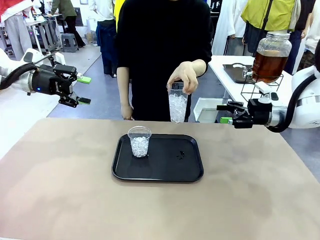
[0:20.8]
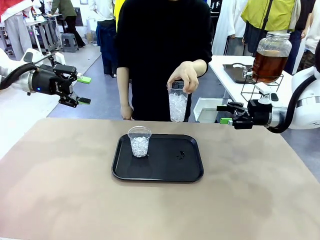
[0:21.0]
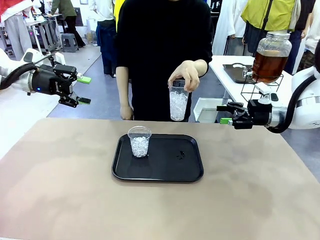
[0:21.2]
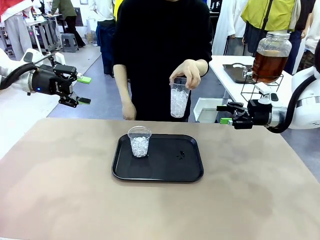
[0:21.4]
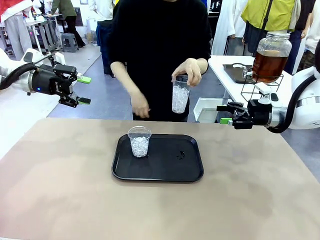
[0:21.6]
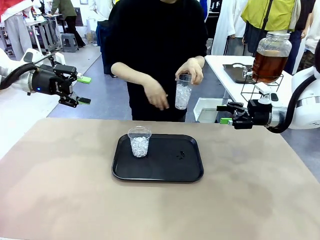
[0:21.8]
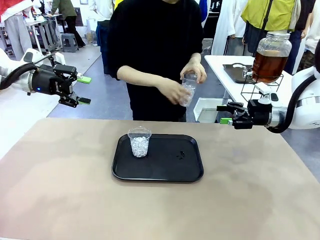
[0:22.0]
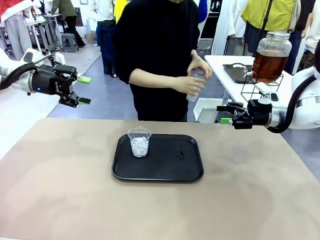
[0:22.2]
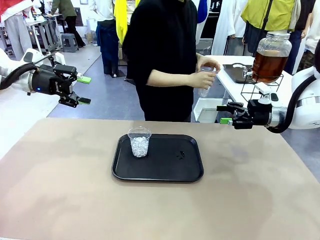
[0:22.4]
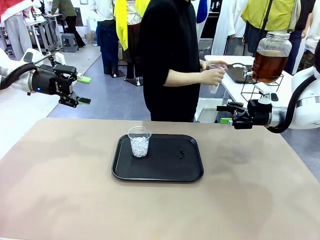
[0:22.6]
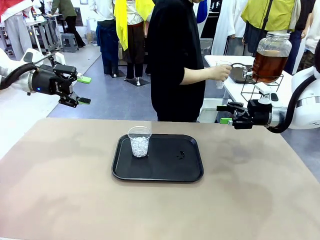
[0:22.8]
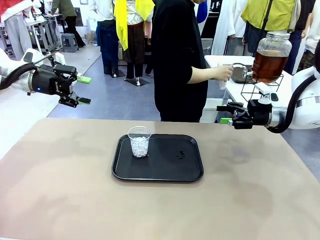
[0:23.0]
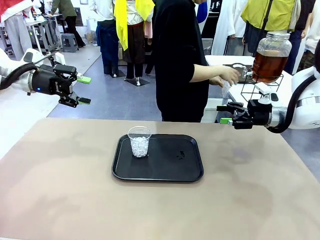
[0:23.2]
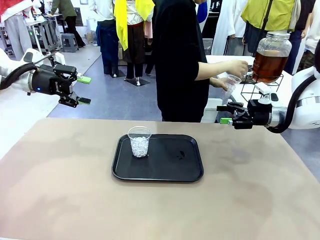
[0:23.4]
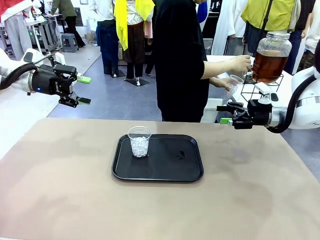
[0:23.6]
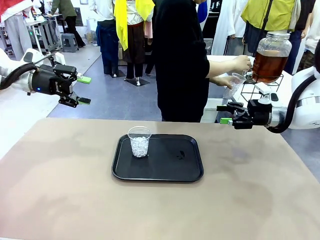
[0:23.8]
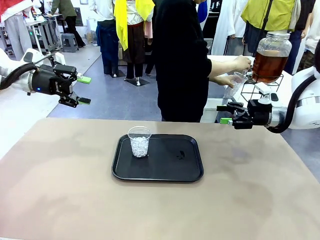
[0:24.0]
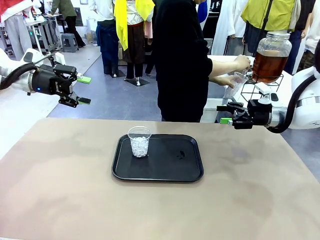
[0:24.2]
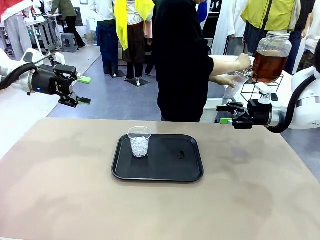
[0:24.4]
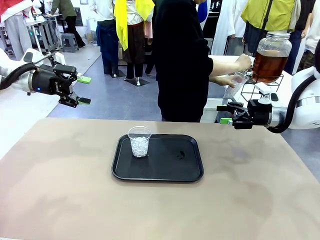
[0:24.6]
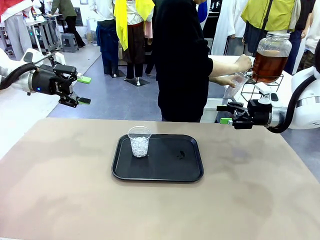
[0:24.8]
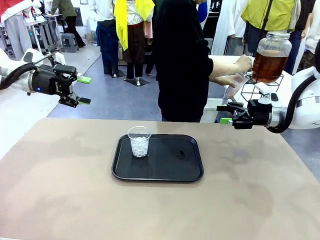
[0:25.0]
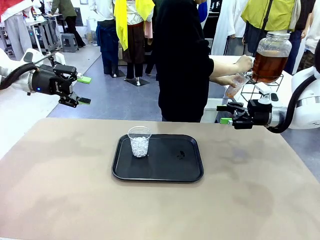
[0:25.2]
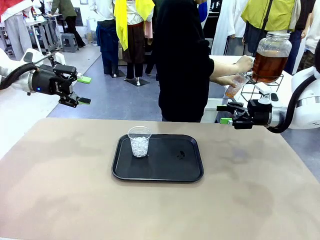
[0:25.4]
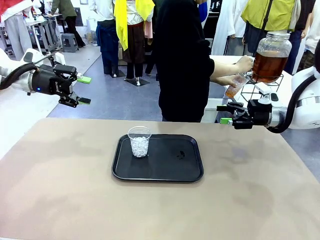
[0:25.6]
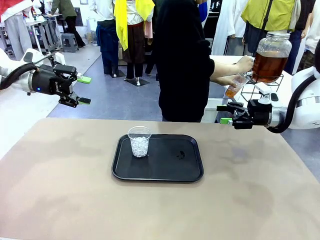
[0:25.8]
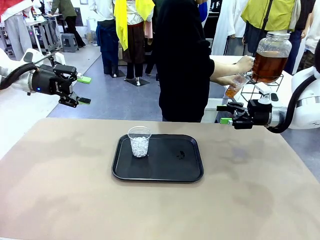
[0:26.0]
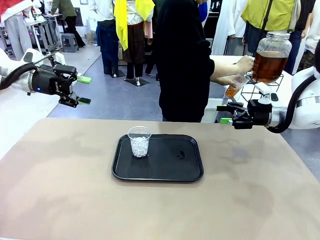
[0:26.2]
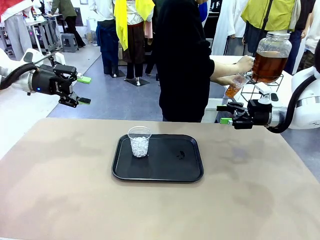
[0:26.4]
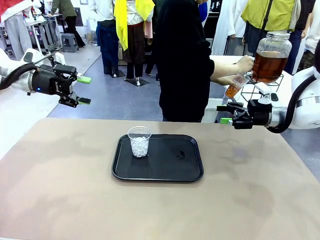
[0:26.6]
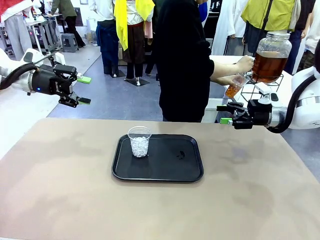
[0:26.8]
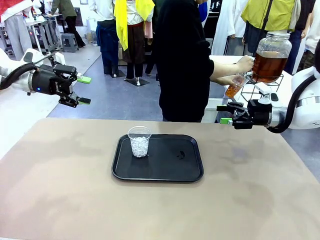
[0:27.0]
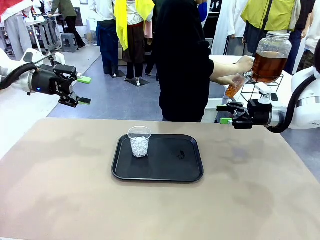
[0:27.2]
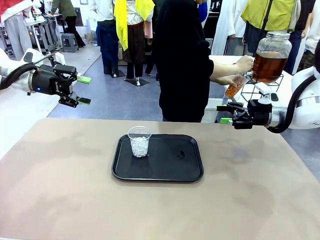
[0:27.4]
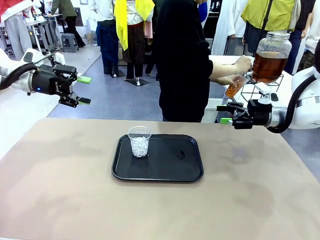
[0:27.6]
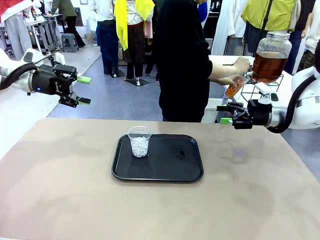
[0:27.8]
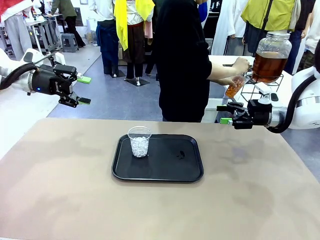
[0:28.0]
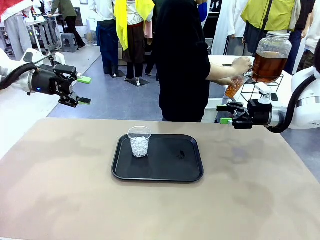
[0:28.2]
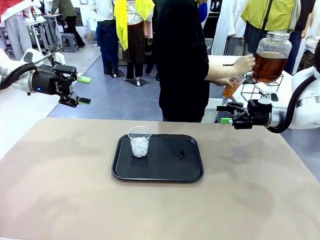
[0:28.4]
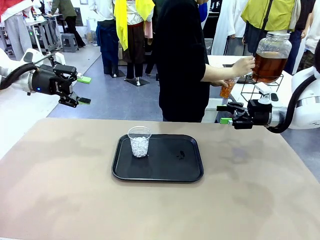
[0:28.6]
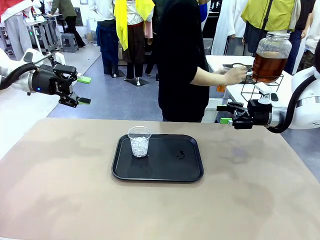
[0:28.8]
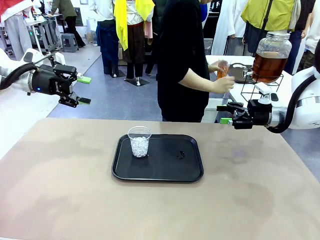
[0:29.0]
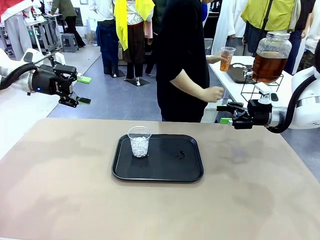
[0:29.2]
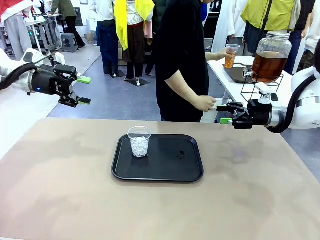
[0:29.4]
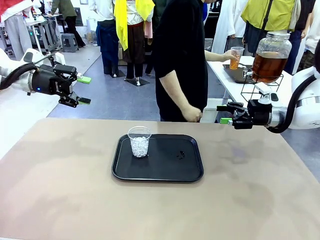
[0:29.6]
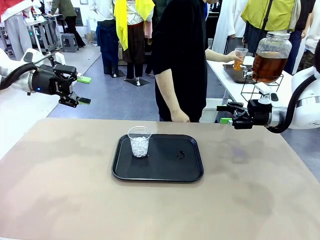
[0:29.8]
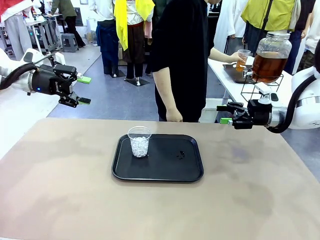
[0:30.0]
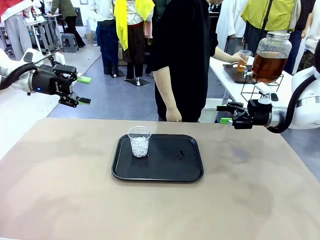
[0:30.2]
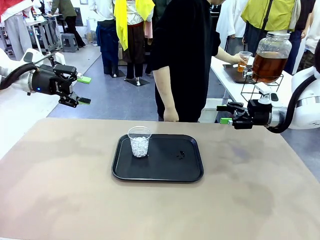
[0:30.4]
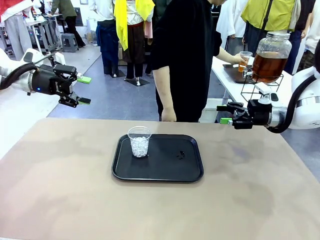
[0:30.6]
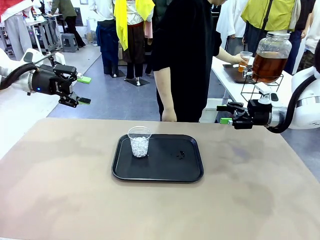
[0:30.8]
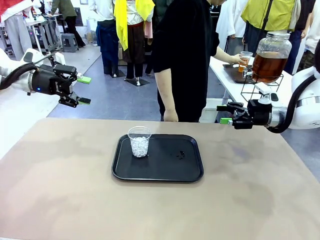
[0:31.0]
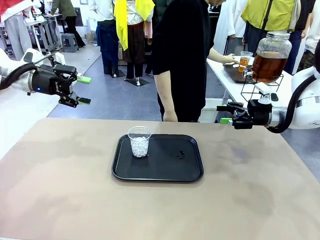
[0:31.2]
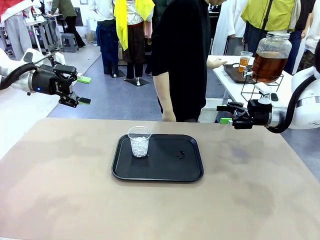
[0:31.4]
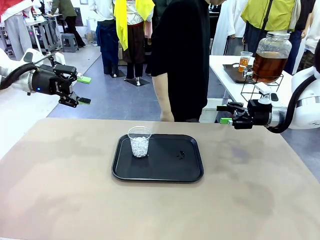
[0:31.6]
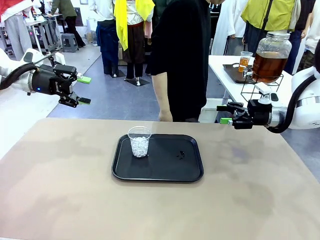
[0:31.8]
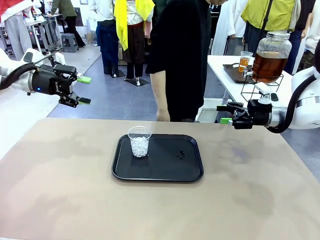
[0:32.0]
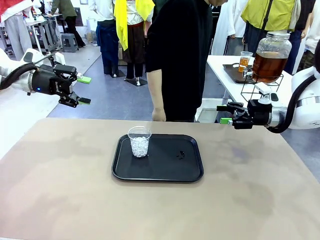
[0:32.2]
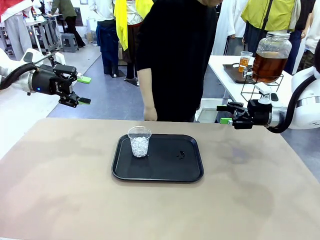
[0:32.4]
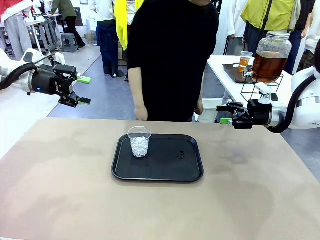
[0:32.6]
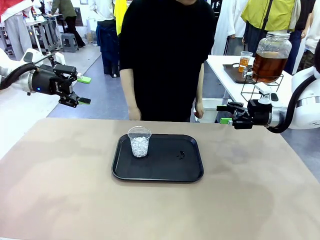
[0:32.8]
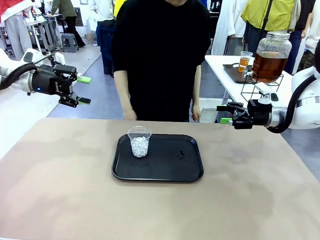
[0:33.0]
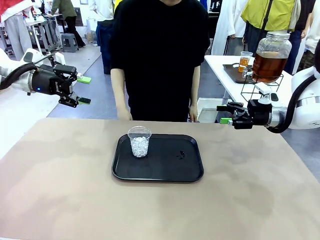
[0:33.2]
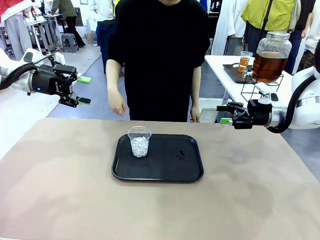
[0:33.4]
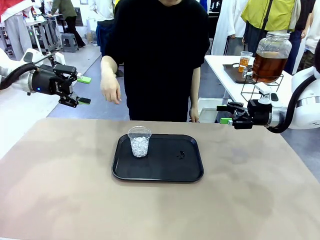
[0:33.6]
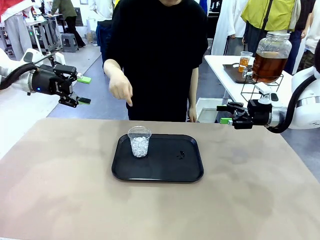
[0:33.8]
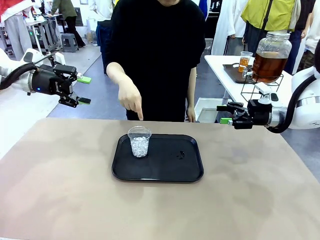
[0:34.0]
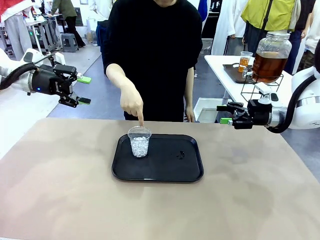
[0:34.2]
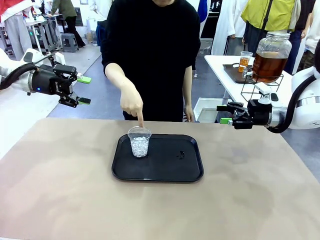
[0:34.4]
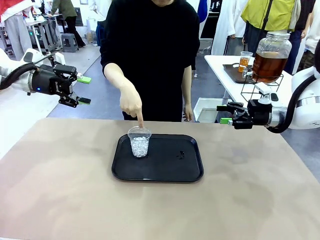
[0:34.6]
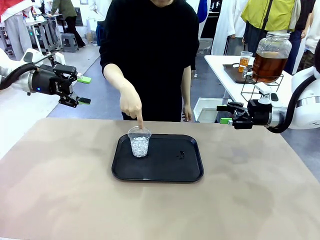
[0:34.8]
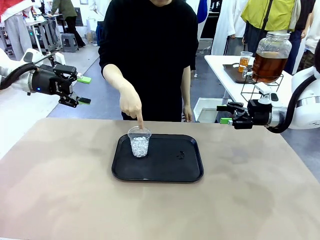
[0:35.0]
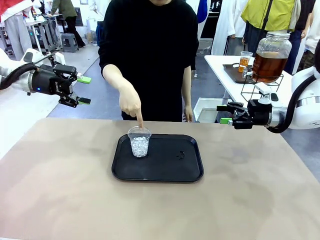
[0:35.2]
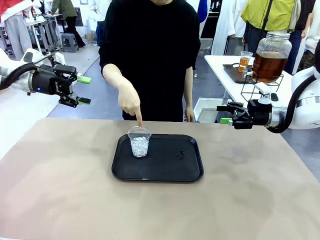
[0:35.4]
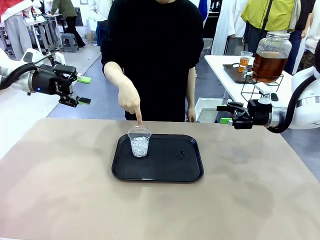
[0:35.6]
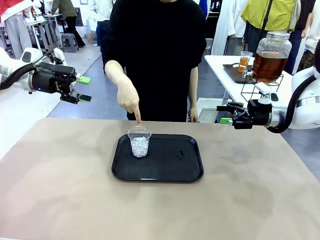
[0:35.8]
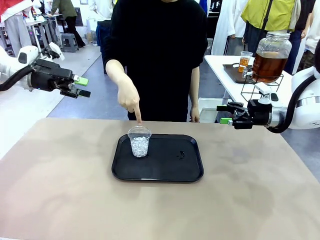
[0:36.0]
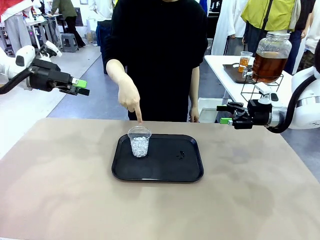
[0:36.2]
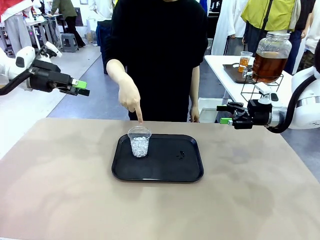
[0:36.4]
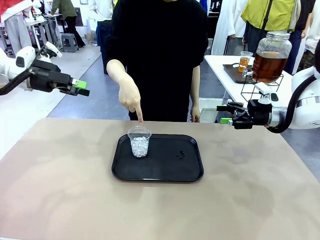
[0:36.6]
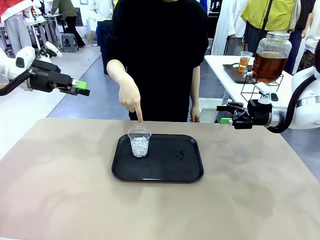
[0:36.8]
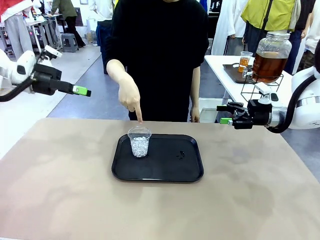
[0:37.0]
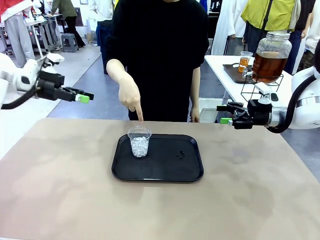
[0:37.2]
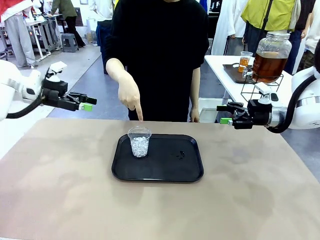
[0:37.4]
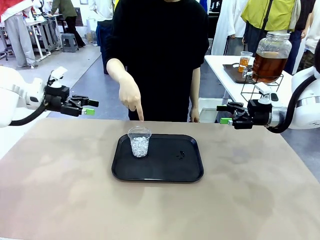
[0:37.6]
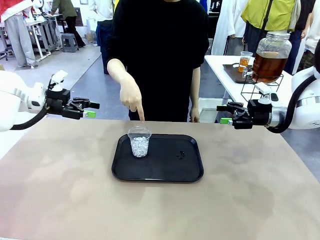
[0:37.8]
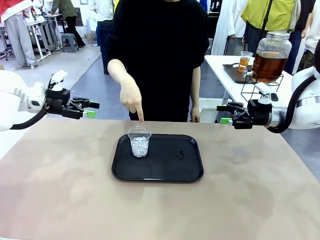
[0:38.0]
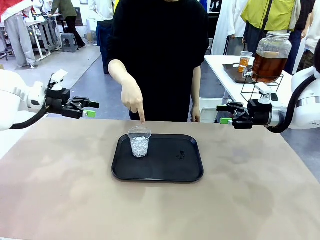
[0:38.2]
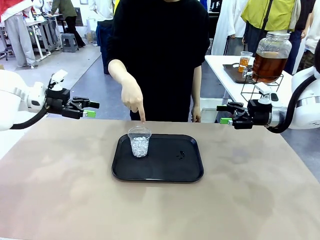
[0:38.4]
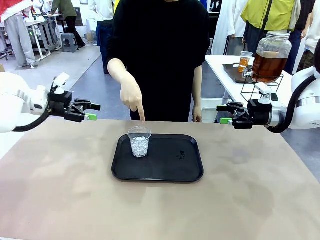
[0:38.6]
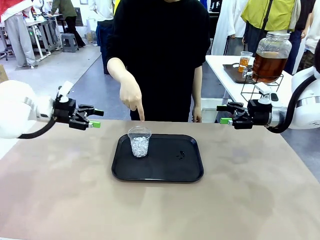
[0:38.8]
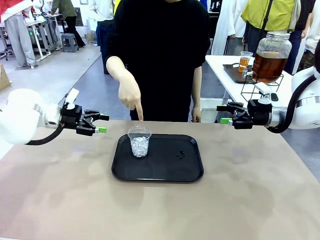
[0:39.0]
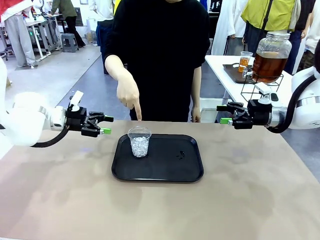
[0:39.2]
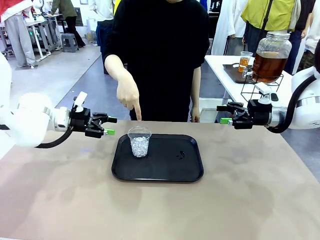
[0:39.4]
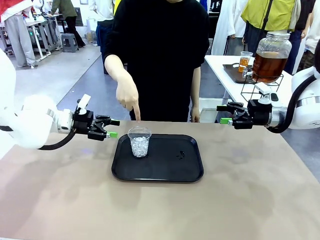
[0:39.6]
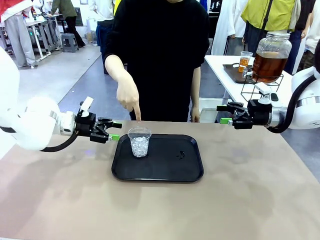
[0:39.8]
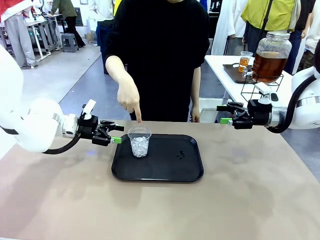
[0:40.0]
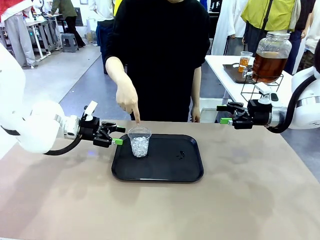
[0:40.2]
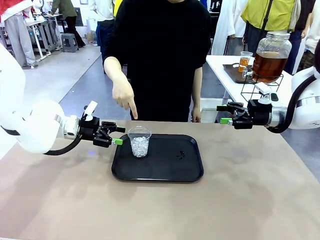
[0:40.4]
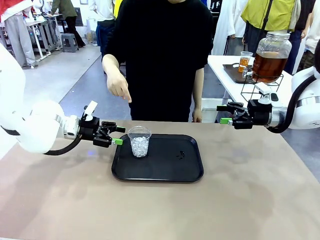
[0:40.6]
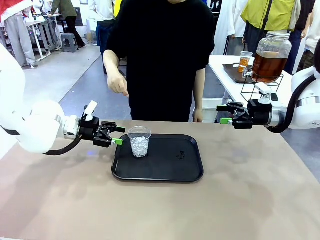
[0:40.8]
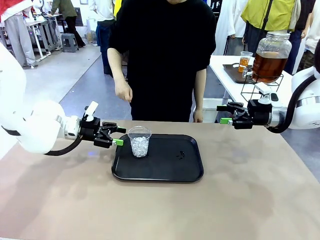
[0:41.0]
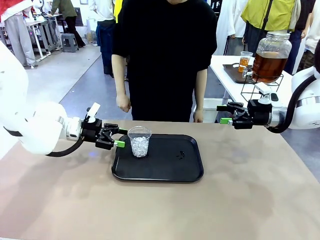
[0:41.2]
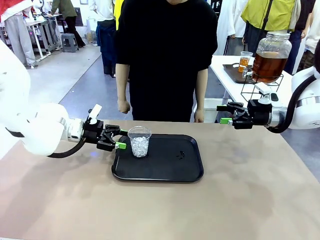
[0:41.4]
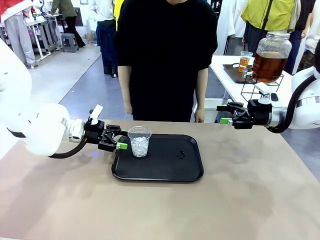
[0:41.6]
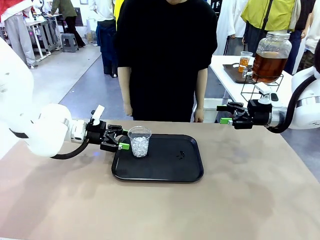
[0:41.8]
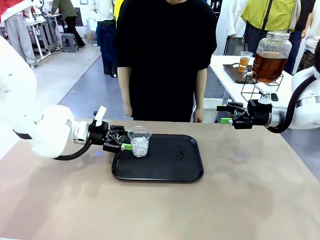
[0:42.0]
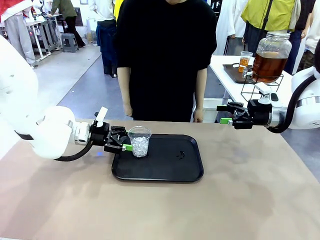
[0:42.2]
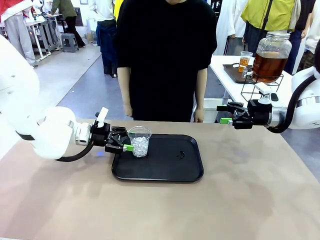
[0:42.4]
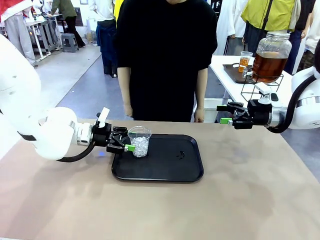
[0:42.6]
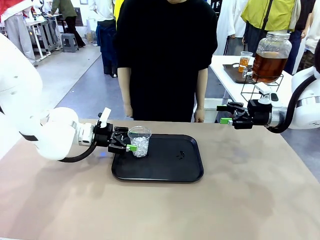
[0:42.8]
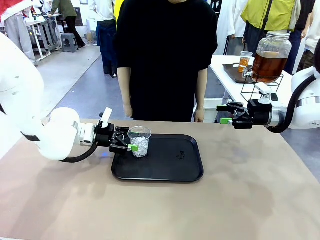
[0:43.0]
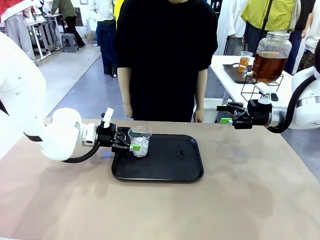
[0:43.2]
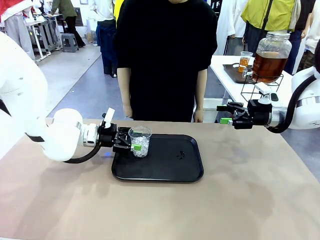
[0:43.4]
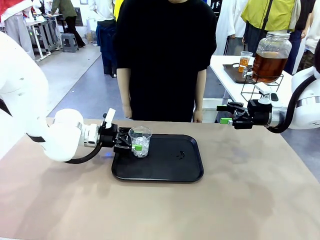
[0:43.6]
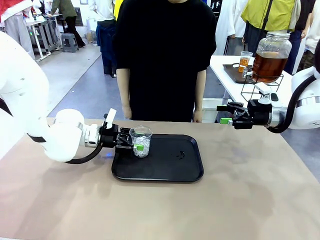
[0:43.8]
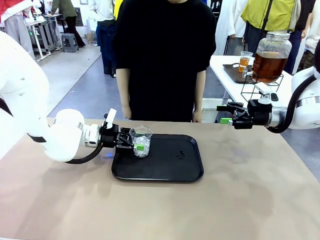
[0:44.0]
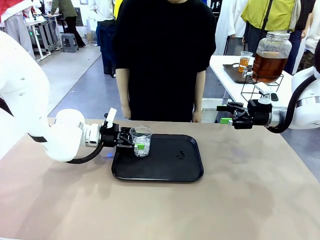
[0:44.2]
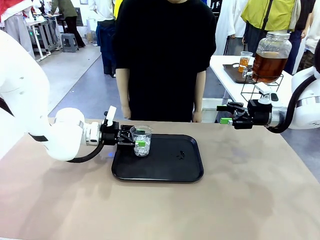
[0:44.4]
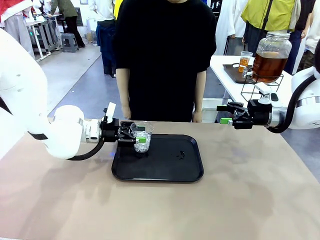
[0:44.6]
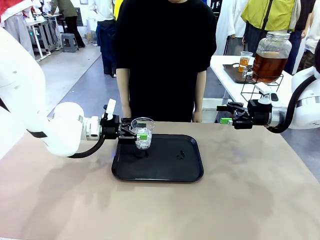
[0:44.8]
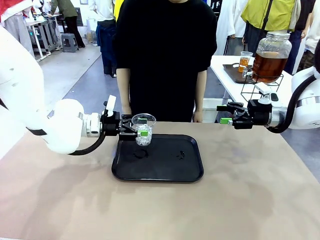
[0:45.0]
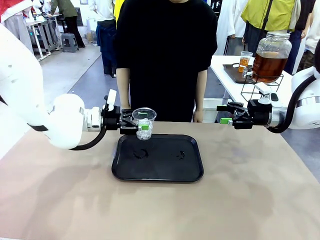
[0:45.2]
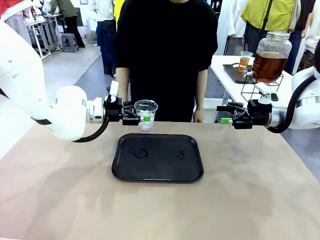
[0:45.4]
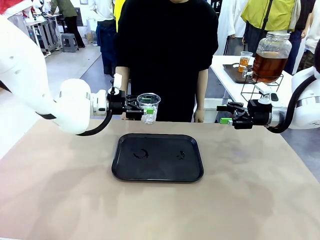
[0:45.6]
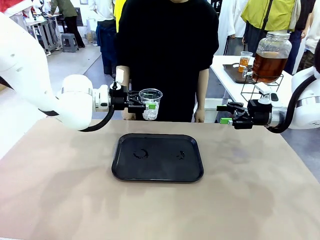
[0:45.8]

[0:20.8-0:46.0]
Task: Pour the drink into the iced cup.
Robot: Pick up the iced cup indicated by the human and present it to them.
Person: Move the picked-up cup under the dispenser faucet, pour the drink, and place it on the tray on the human table. Point to the remaining ice cup on the robot table. Pick up the cup offered by the robot.
